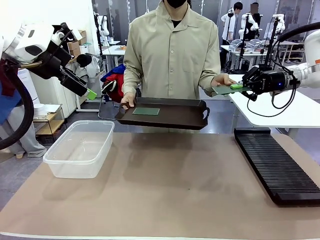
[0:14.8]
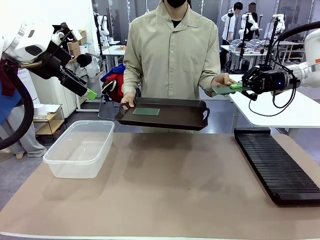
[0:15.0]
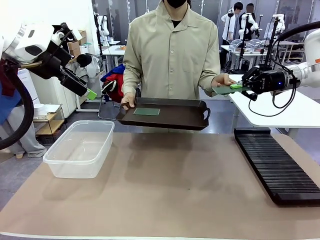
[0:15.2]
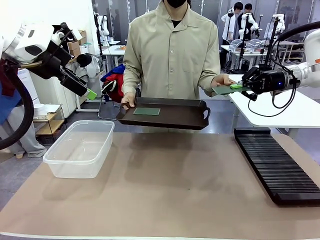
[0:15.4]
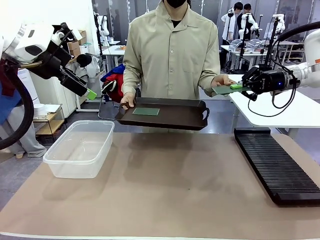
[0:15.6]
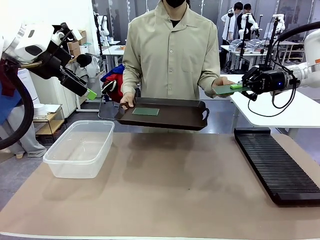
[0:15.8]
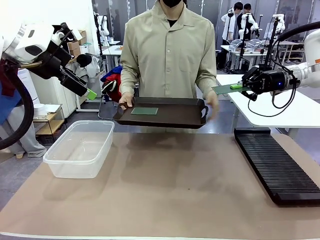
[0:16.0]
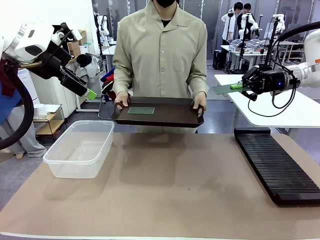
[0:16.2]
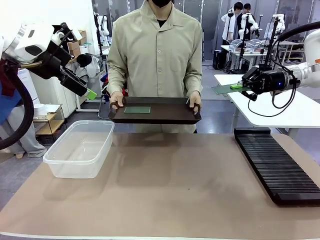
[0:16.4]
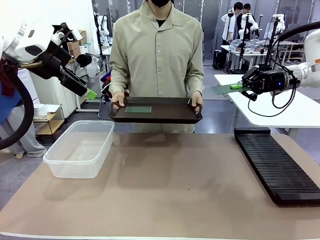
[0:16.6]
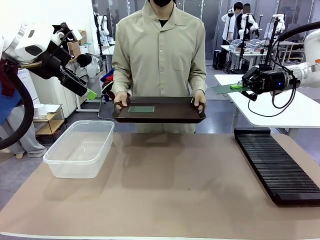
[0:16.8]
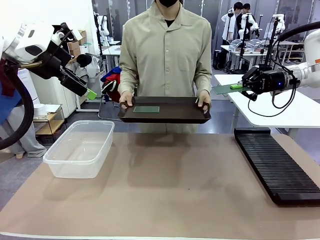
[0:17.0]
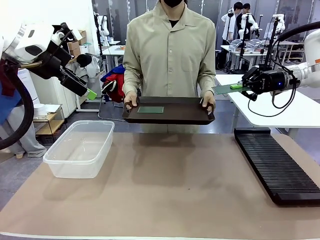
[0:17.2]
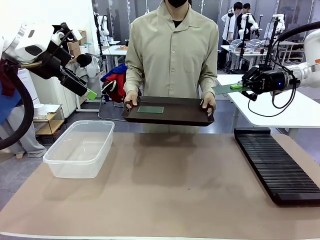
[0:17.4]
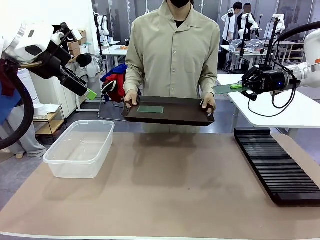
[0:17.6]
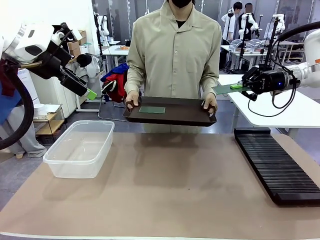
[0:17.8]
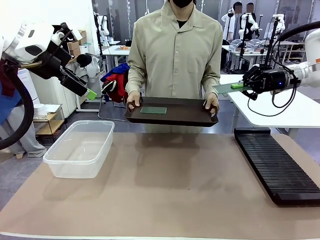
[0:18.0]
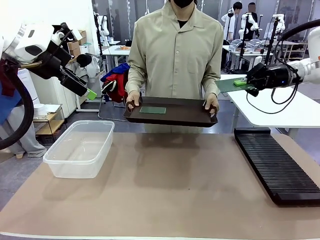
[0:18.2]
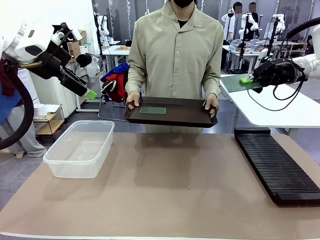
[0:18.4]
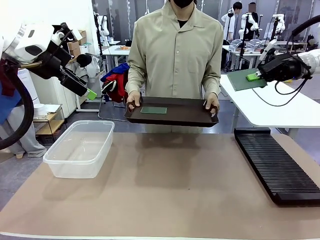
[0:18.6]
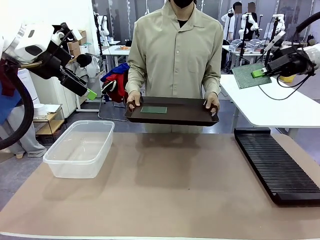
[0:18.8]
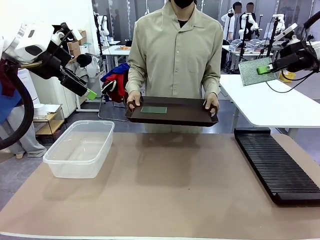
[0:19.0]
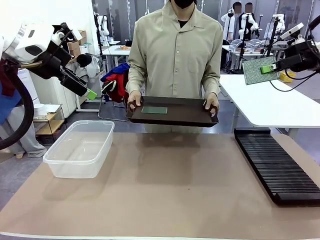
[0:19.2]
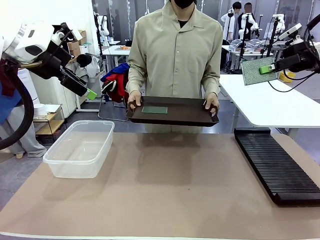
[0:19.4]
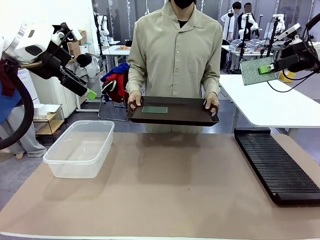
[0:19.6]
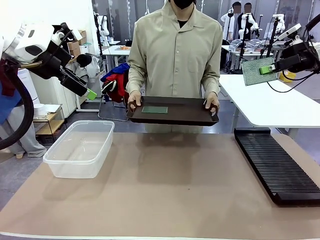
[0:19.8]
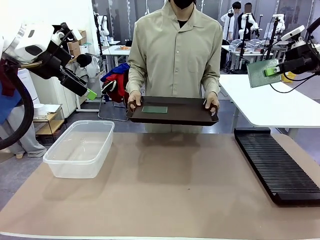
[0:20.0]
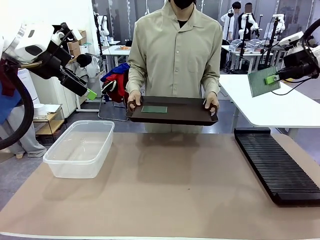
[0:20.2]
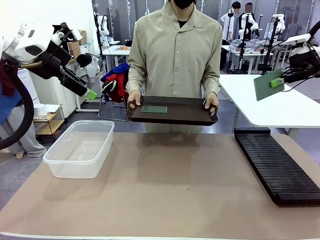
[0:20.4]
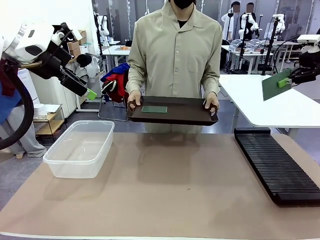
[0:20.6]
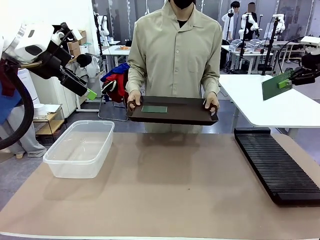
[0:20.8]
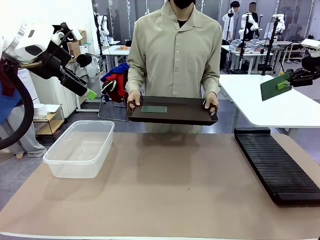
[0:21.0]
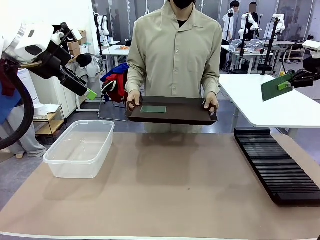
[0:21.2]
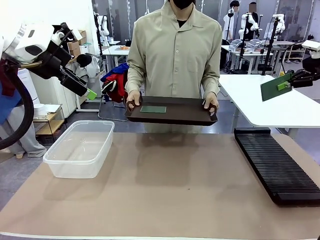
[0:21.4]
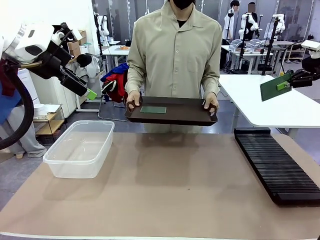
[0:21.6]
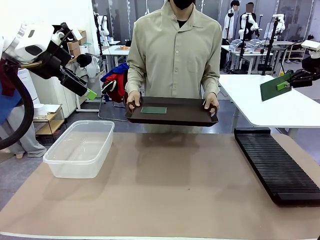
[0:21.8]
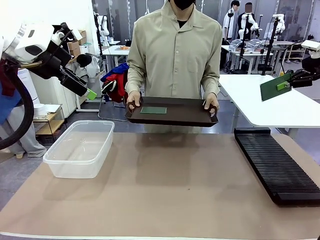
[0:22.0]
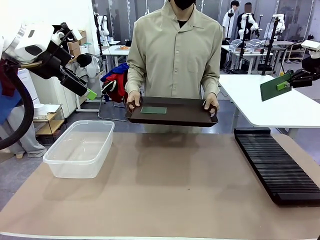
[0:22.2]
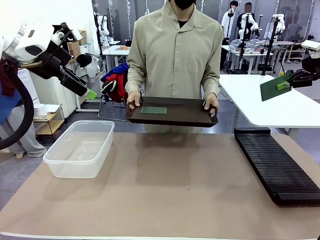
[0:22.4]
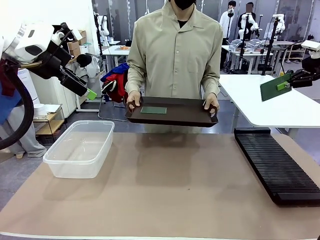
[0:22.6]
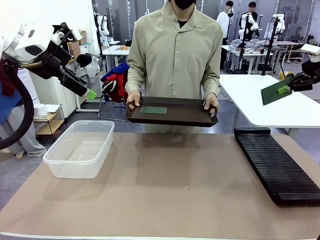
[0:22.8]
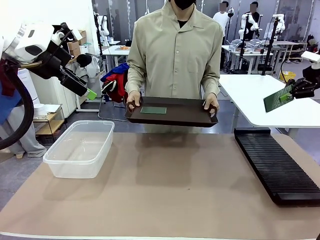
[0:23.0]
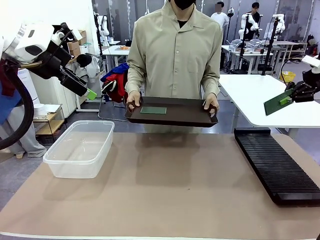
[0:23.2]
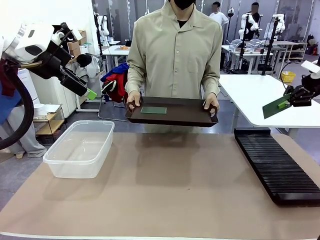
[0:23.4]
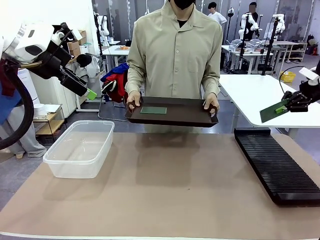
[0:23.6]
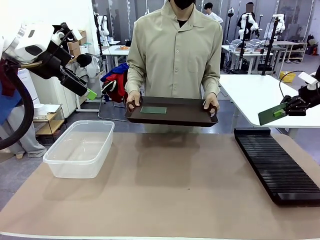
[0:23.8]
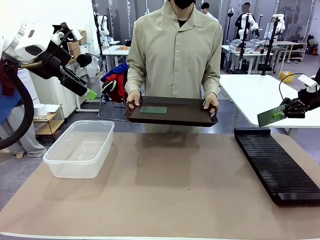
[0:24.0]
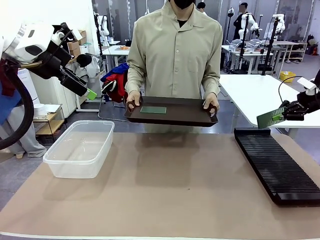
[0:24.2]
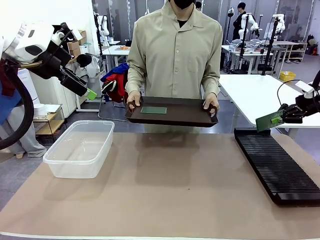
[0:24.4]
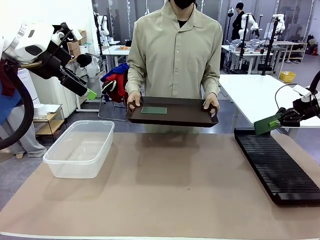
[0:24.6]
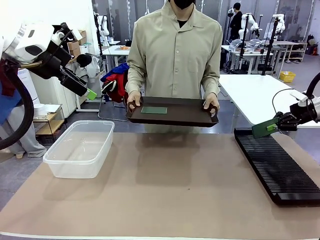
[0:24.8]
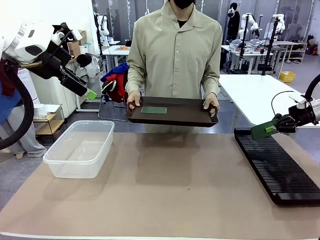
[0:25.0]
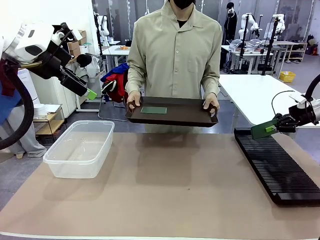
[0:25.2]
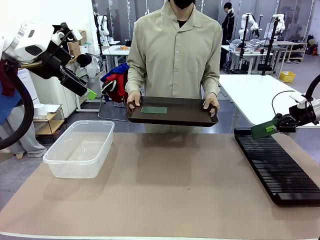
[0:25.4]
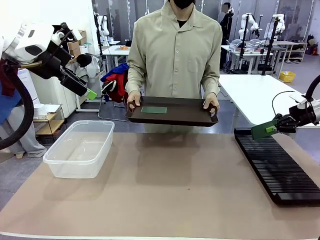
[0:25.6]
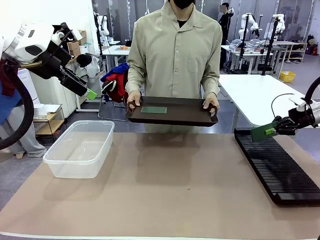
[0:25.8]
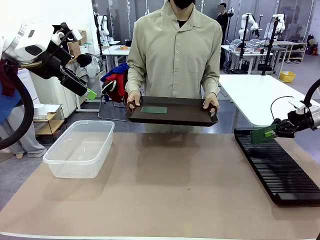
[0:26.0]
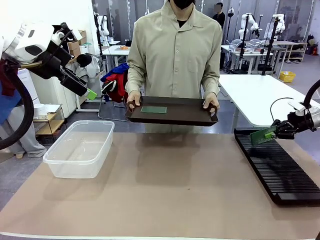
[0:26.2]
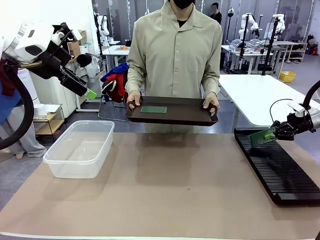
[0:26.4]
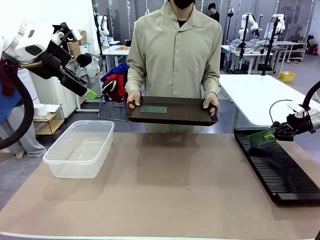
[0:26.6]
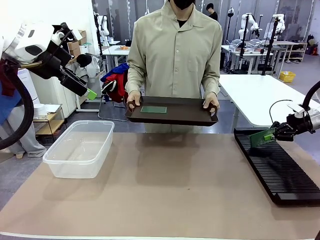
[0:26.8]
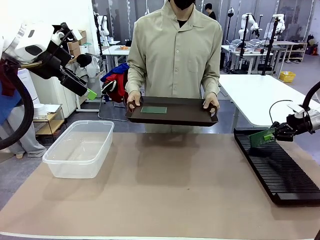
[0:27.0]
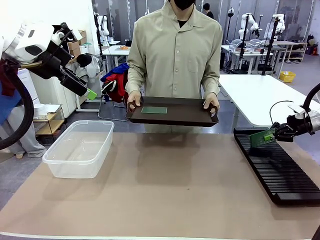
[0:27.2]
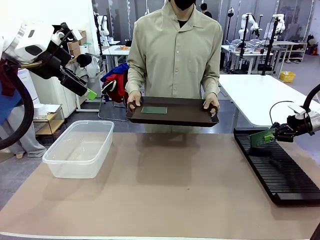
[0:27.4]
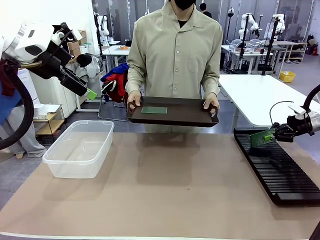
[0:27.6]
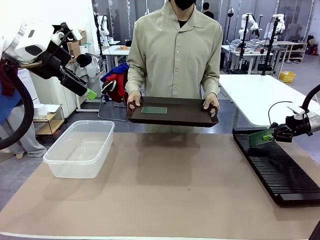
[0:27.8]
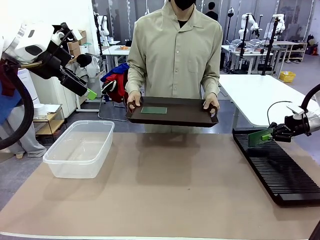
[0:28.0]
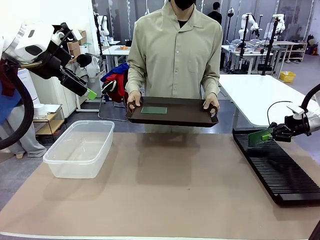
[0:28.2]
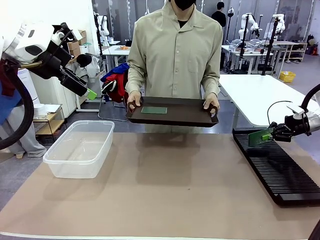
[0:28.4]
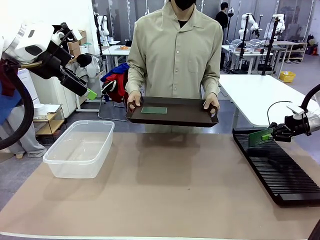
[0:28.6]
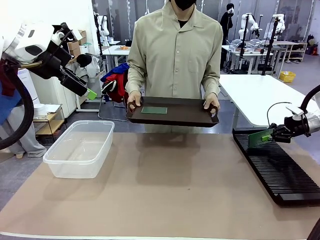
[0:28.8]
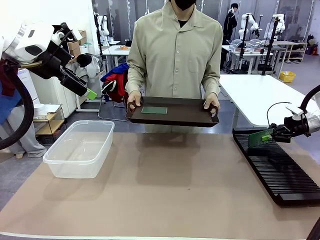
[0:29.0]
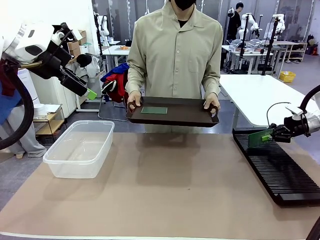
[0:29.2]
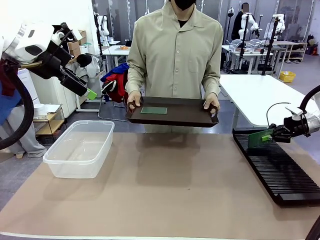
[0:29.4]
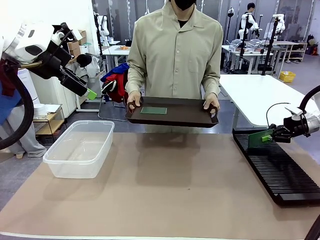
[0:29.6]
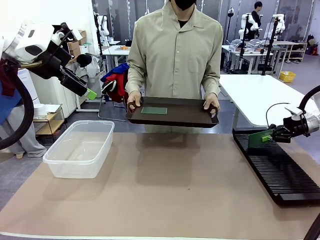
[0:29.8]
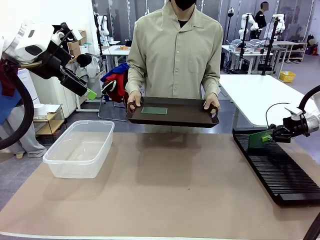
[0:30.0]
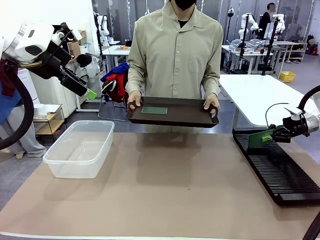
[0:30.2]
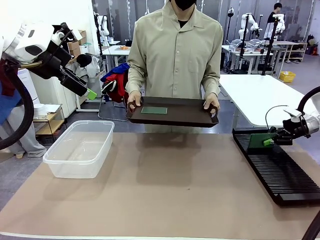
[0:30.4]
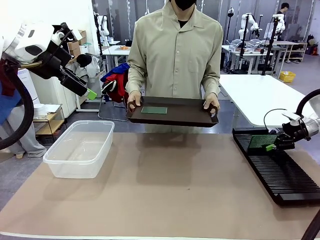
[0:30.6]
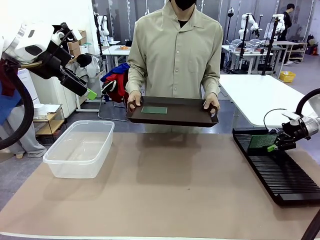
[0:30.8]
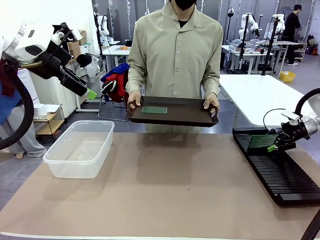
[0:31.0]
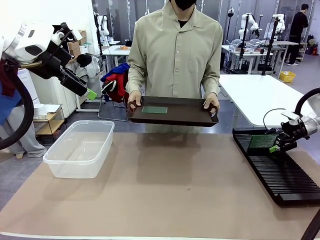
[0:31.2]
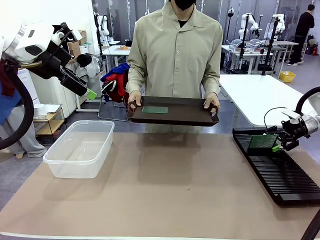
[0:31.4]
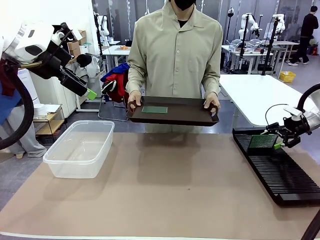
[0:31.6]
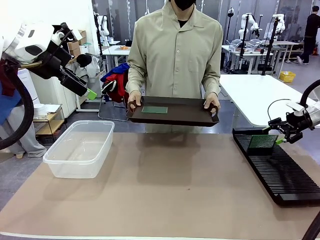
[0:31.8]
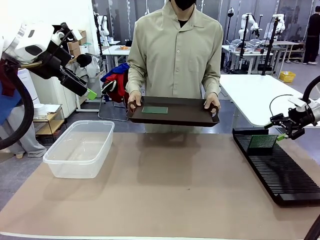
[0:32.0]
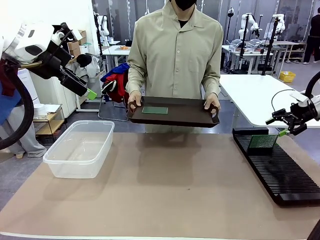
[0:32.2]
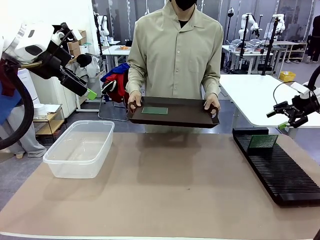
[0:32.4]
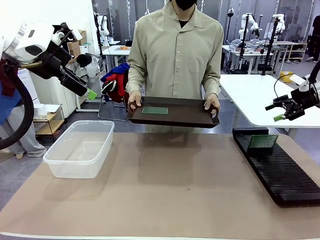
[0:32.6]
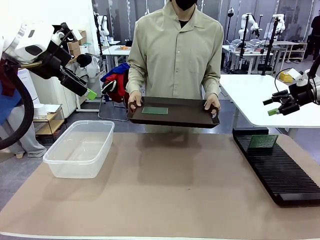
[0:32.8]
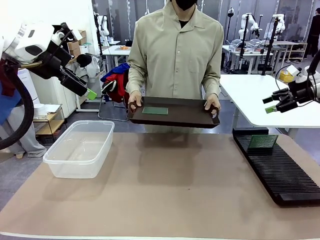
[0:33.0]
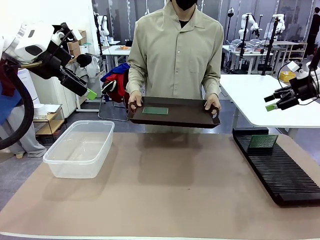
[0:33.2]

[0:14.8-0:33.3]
Task: Sort PCBs into racks and boxes based on the side picked up.
Robot: If the short side of the Blank PCB is picked up, insert it into the PCB Rack ; if the long side is picked up, place it in the Organizing box.
Person: Pick one PCB from the tray and present it to the robot.
